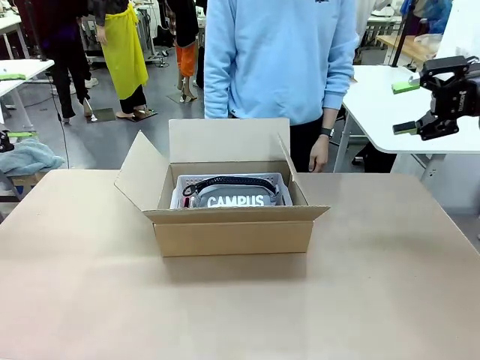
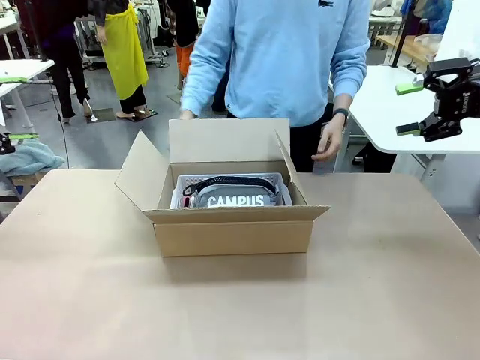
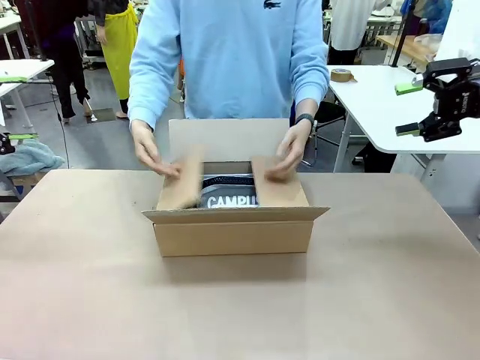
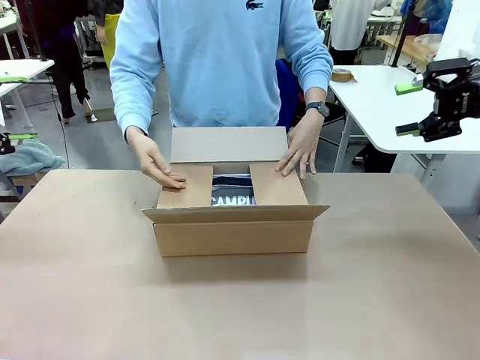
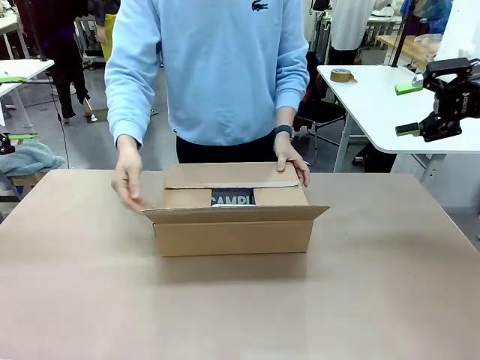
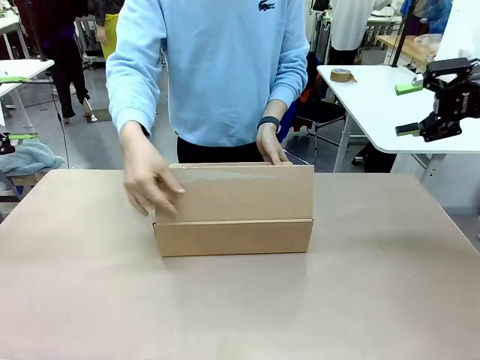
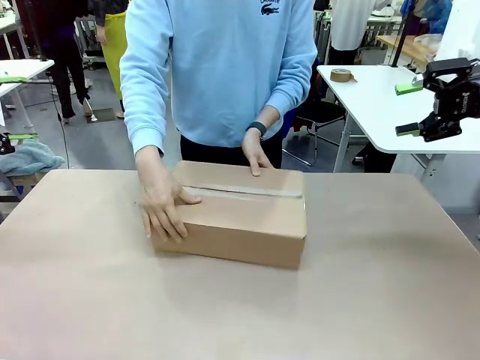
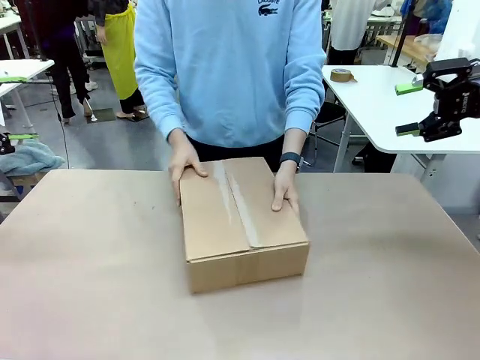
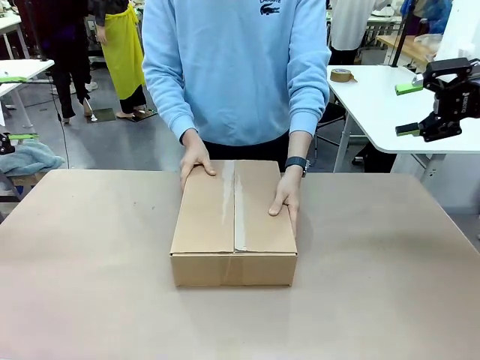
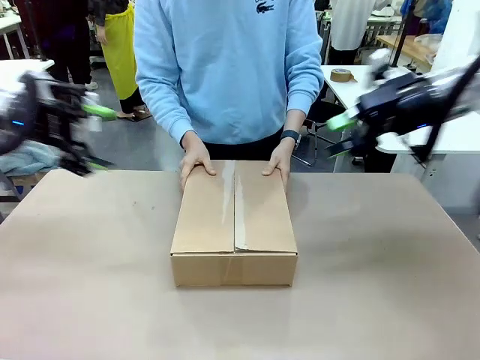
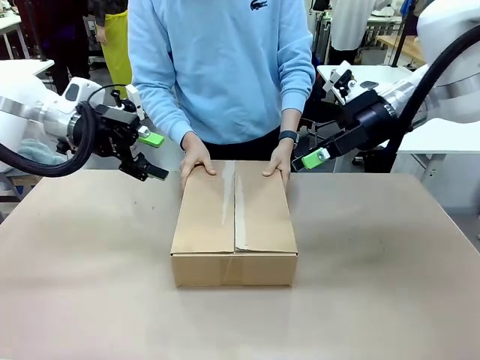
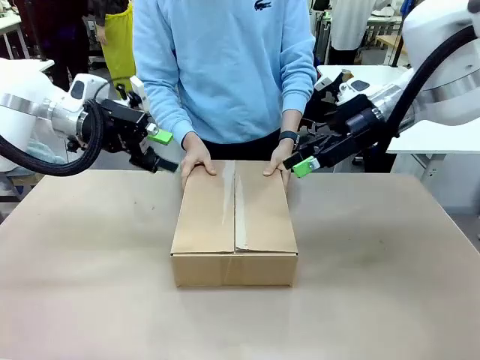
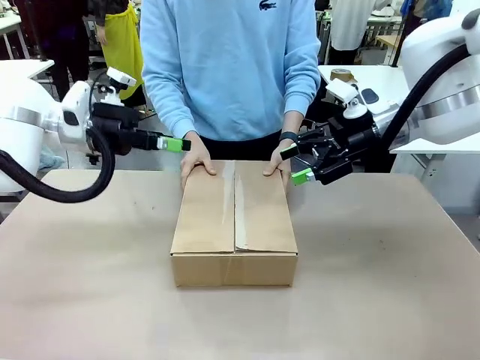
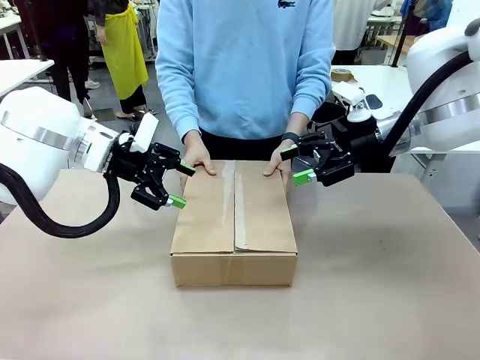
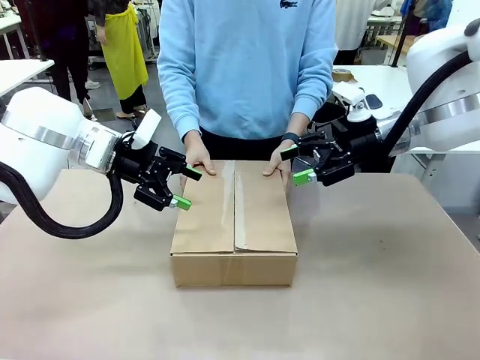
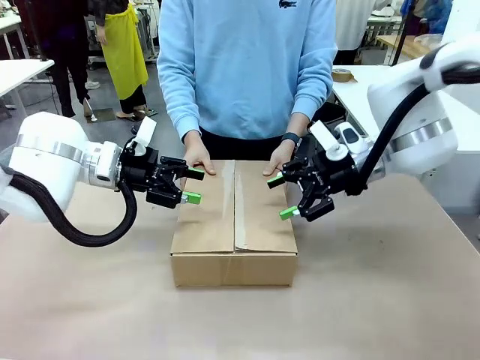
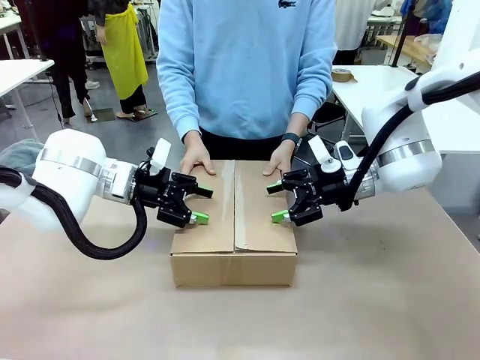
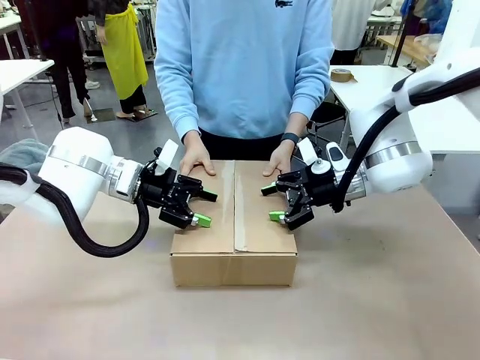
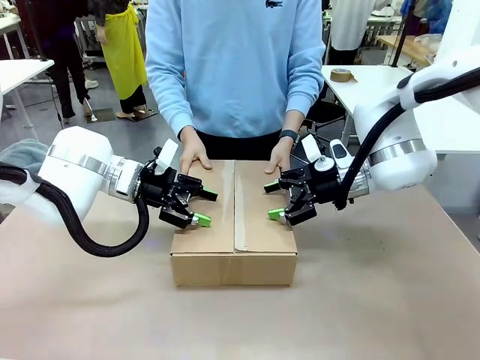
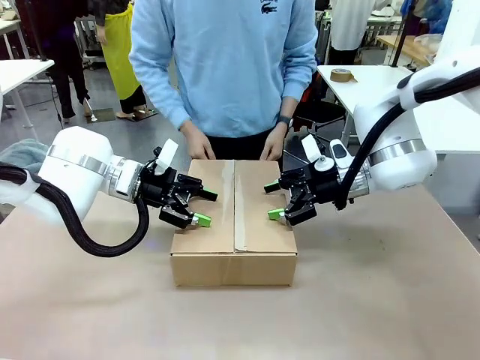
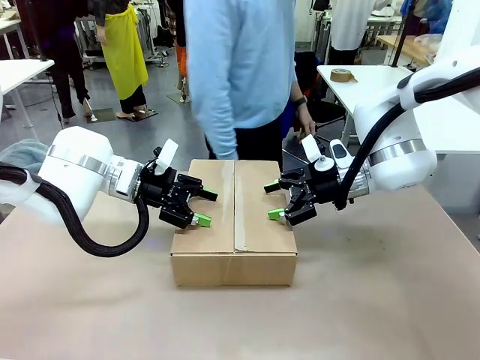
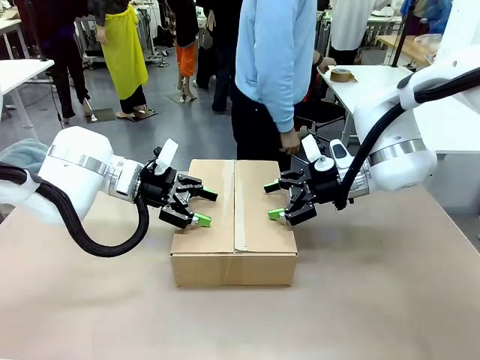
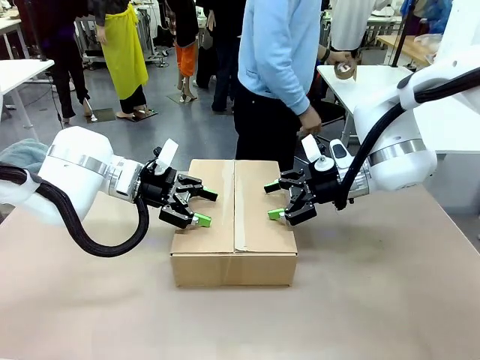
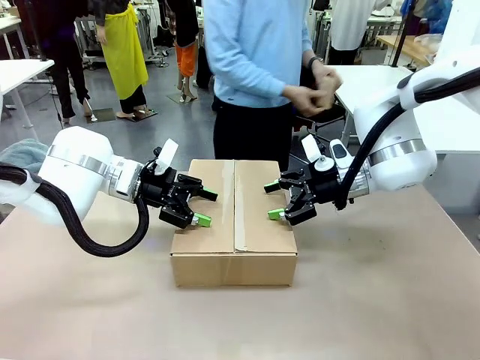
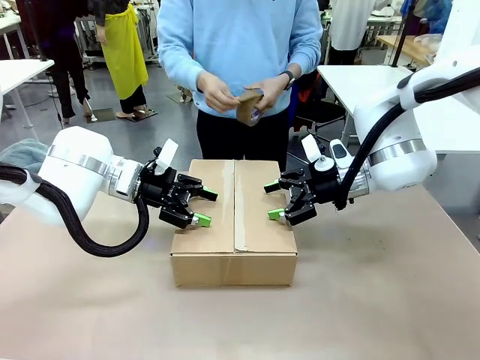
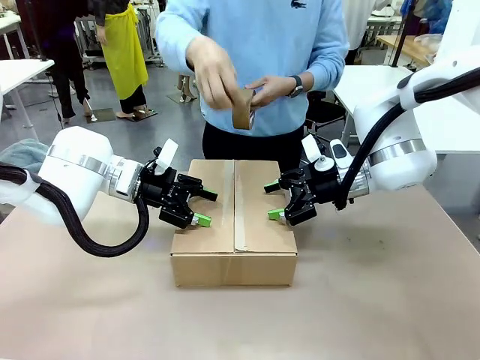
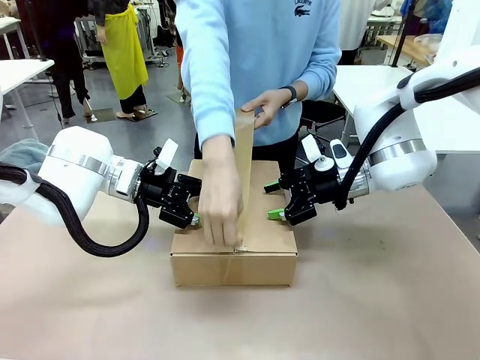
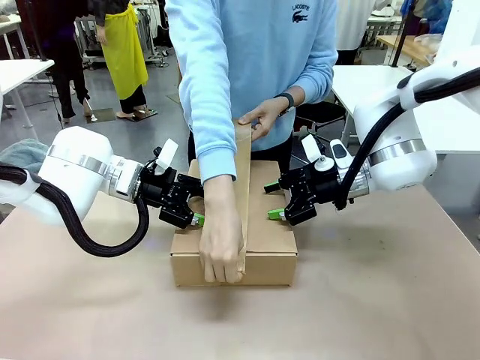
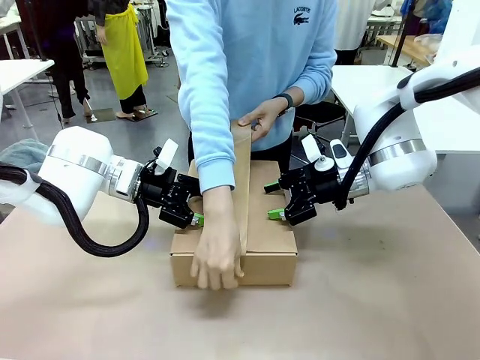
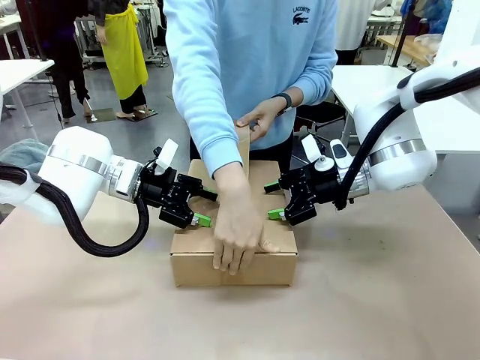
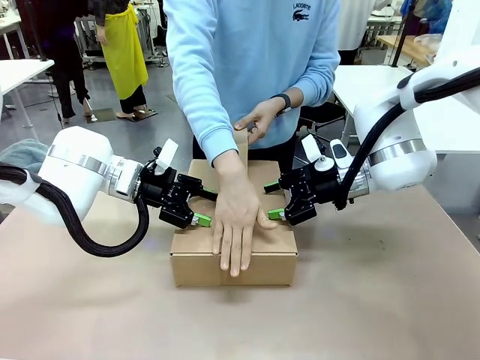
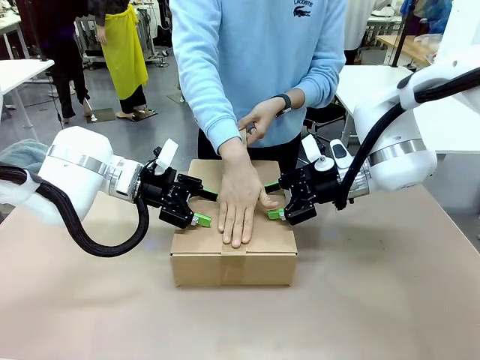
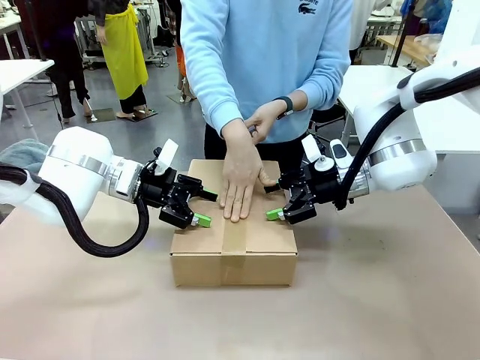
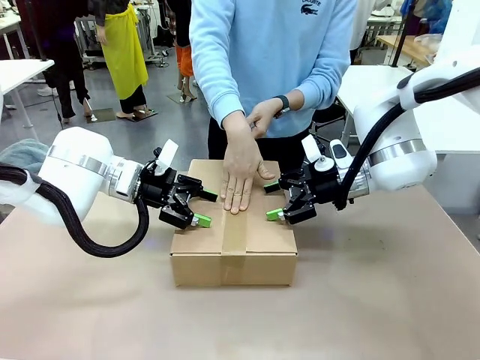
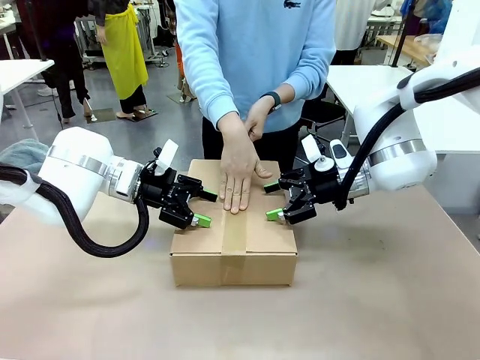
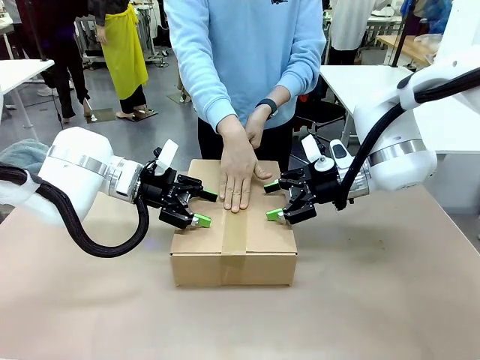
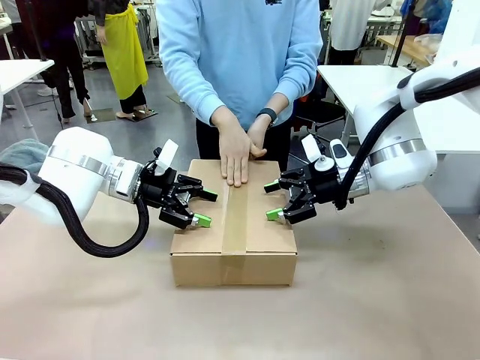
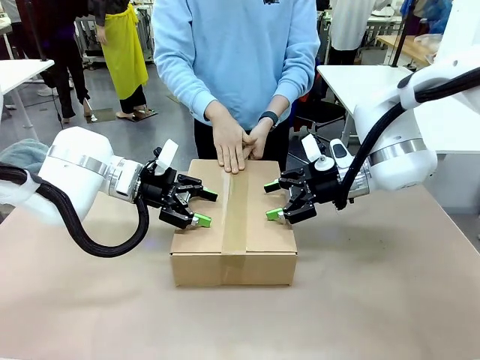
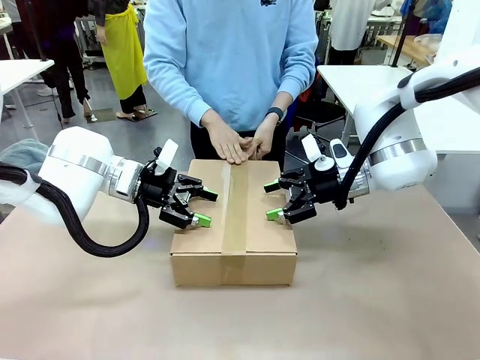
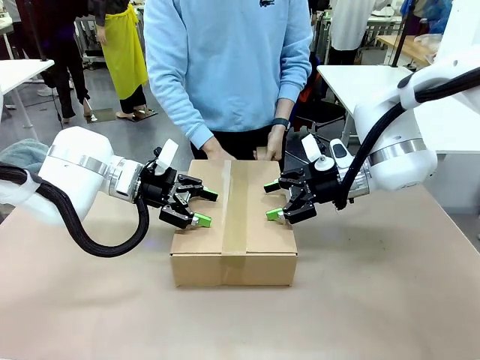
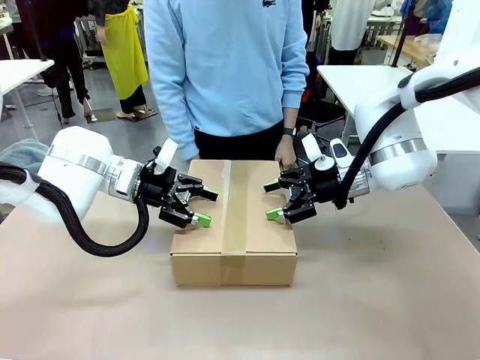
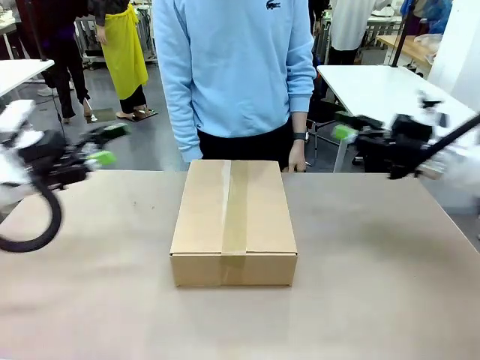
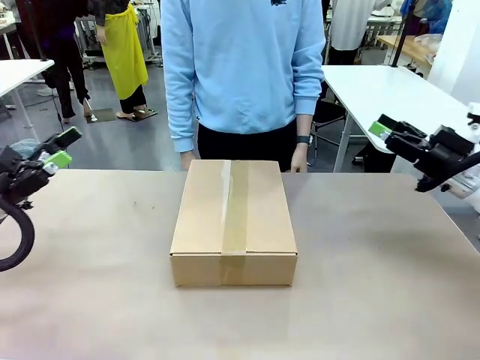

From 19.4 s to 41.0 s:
Task: Pack the gift set into the box.
Robot: Press and hold the closed box until the human finishes sealing it.
Person: The human closes the box and rotates the box by 90 degrees. The human picks up the paper tape from the human table and packs the box.

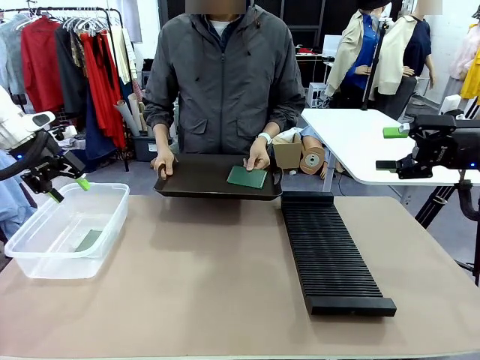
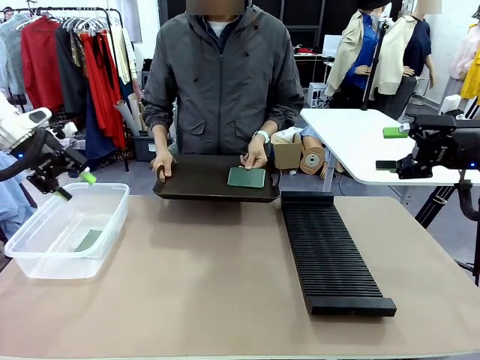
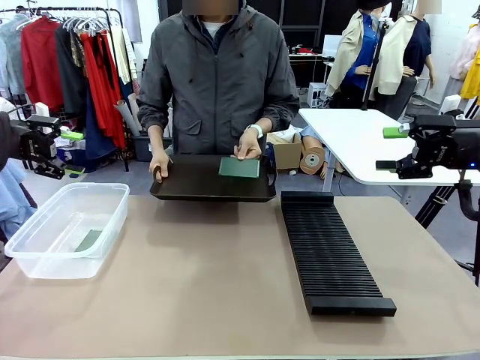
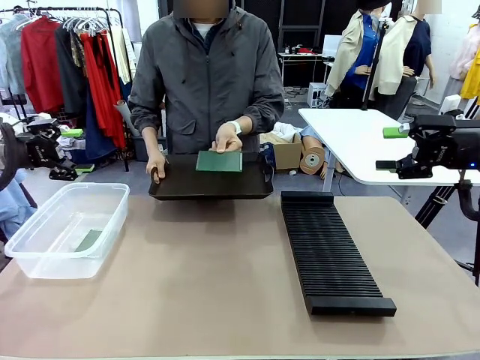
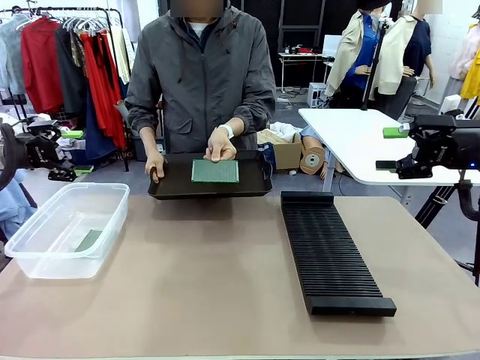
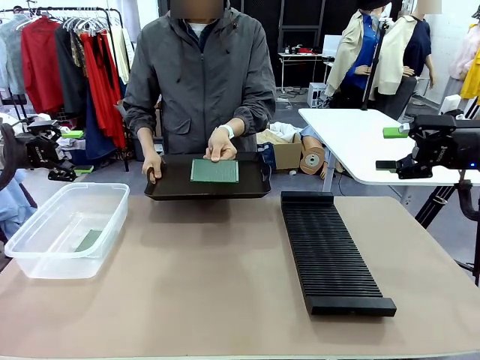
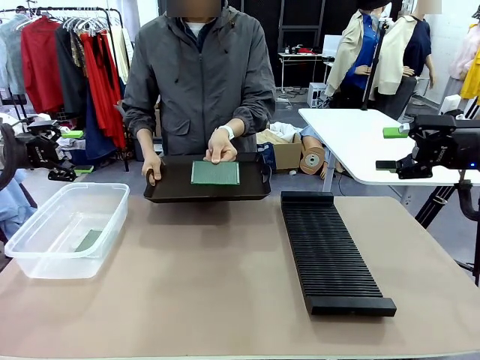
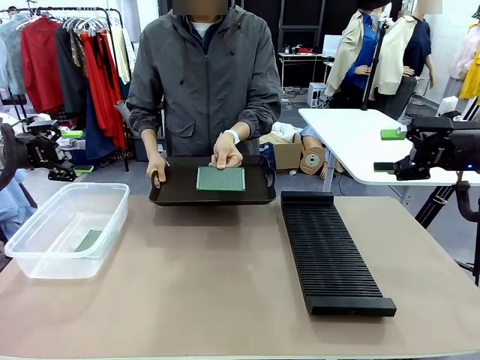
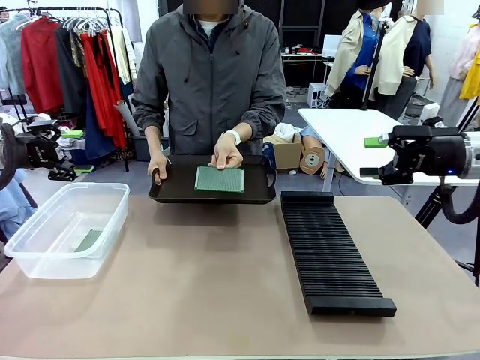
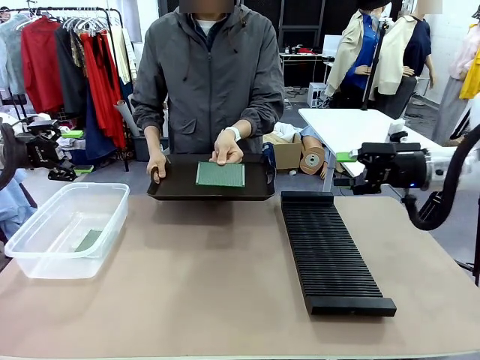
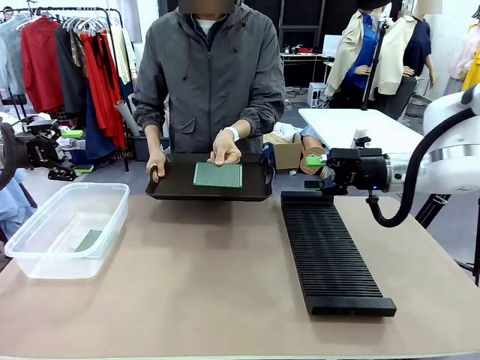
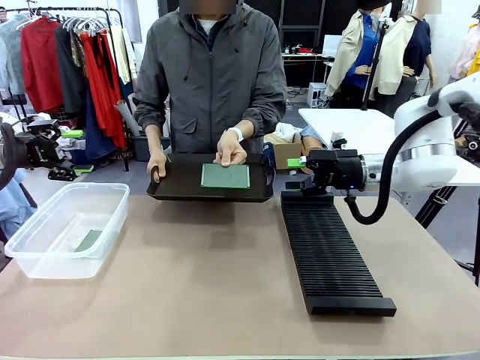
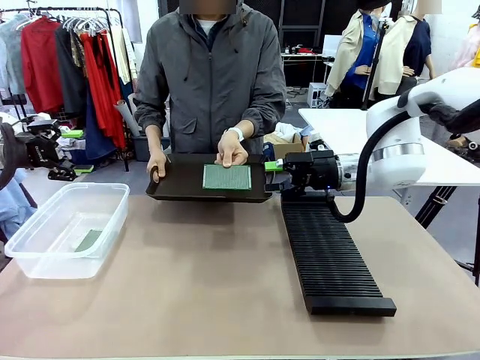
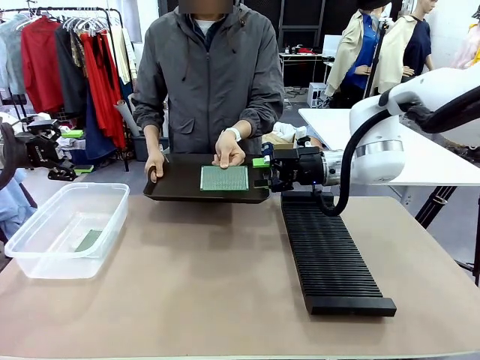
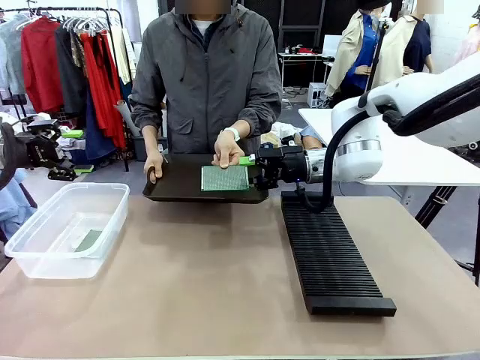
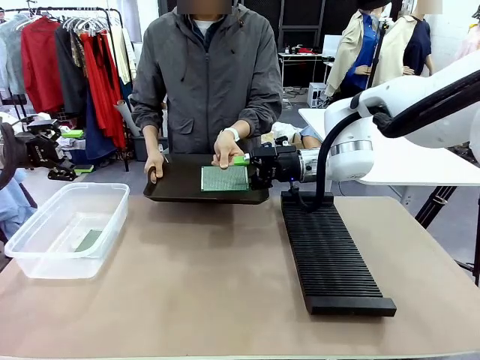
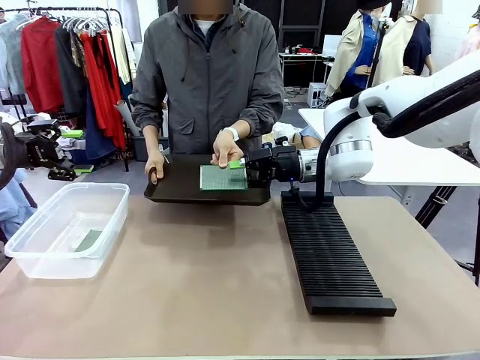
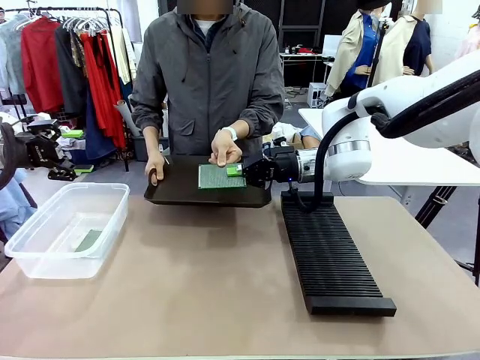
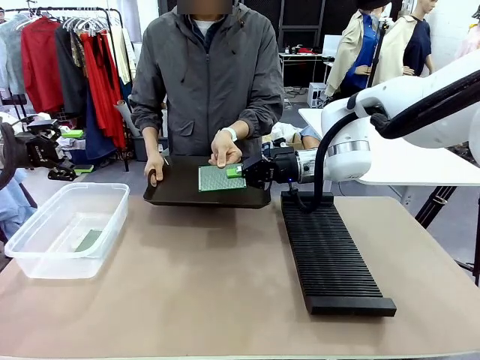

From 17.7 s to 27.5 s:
Task: Sort PCBs into racks and boxes based on the side picked up.
Robot: Pick up the Blank PCB handed by the Human.
